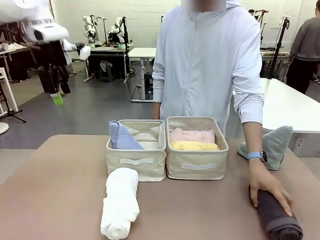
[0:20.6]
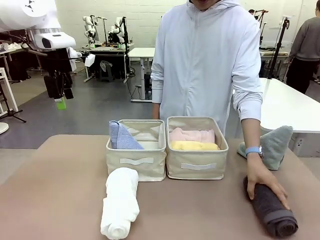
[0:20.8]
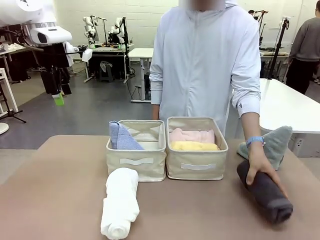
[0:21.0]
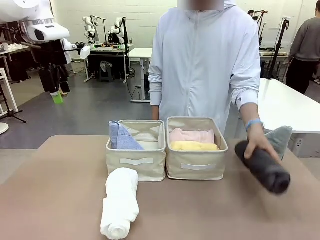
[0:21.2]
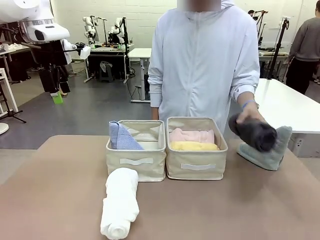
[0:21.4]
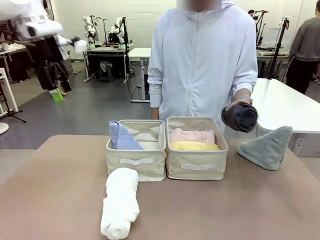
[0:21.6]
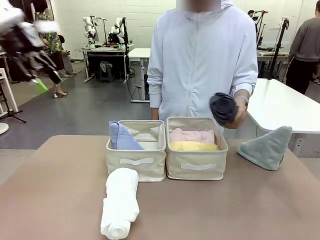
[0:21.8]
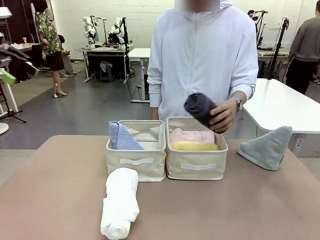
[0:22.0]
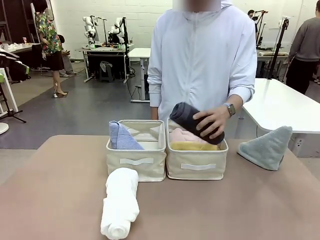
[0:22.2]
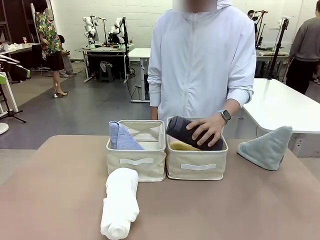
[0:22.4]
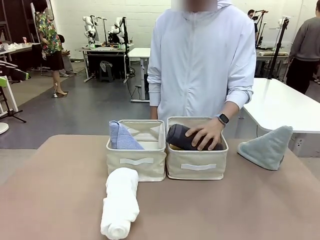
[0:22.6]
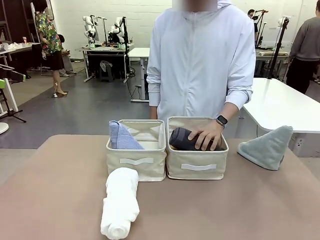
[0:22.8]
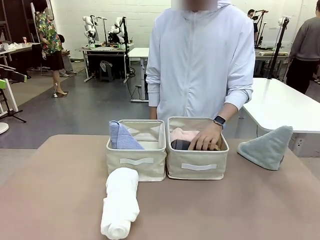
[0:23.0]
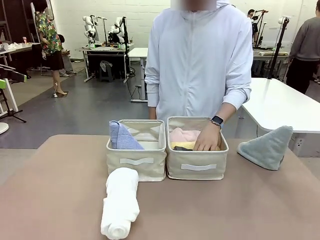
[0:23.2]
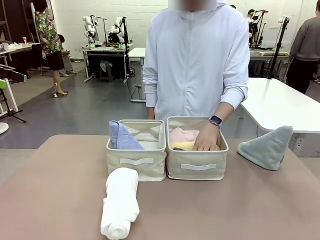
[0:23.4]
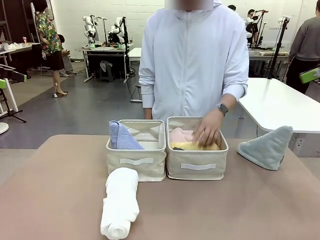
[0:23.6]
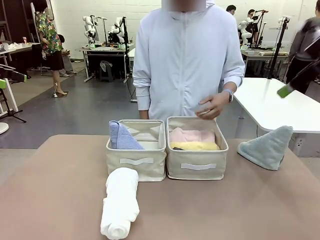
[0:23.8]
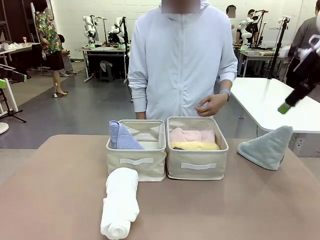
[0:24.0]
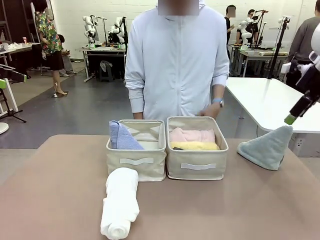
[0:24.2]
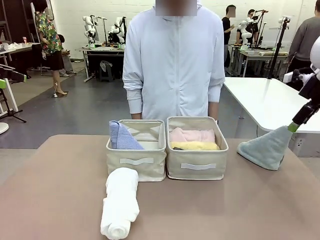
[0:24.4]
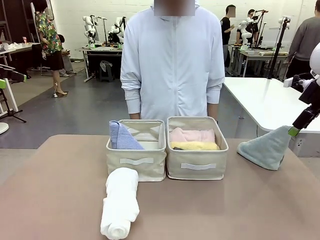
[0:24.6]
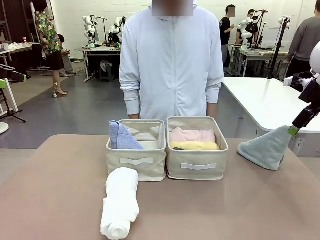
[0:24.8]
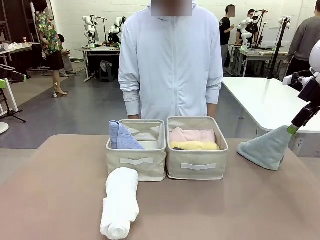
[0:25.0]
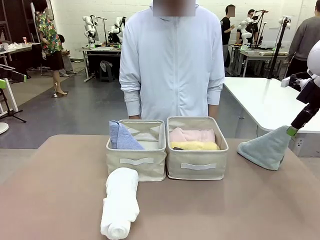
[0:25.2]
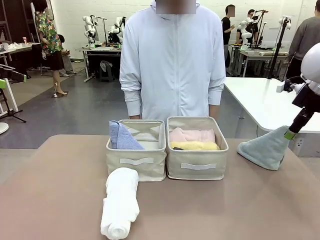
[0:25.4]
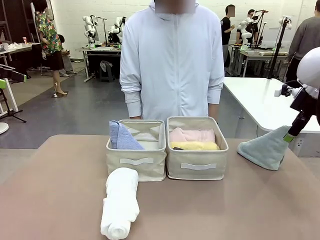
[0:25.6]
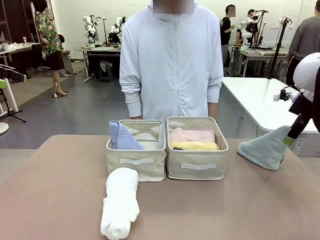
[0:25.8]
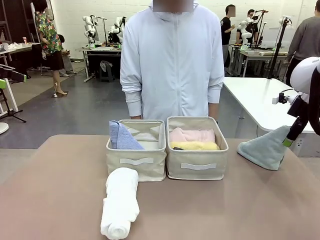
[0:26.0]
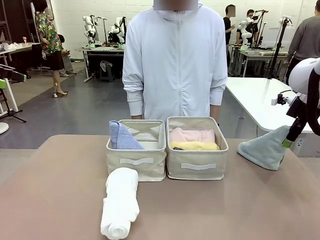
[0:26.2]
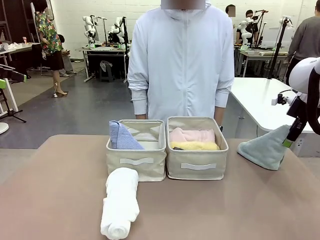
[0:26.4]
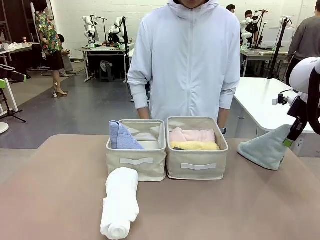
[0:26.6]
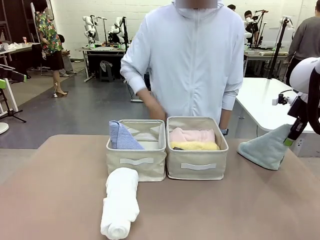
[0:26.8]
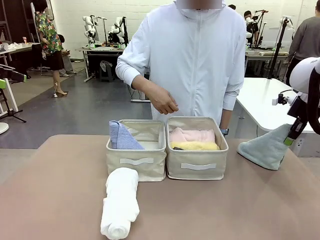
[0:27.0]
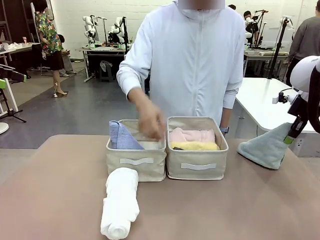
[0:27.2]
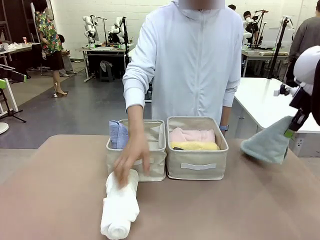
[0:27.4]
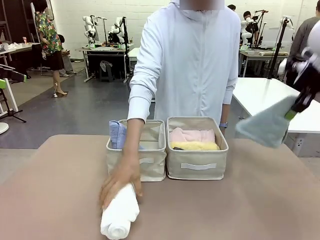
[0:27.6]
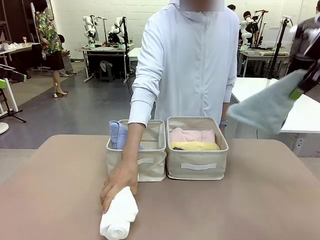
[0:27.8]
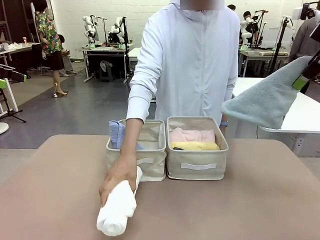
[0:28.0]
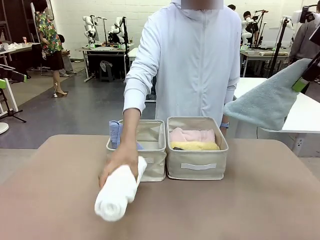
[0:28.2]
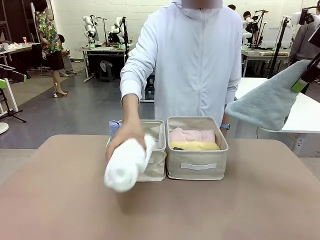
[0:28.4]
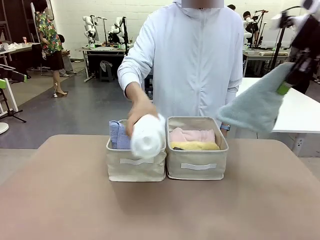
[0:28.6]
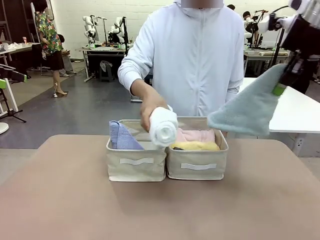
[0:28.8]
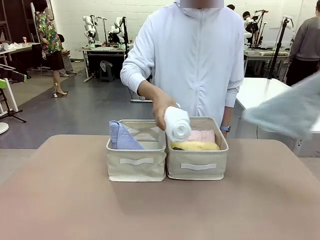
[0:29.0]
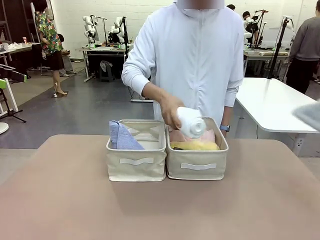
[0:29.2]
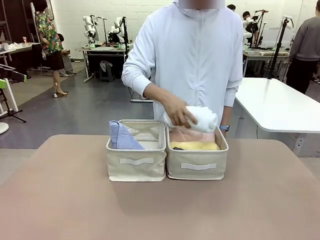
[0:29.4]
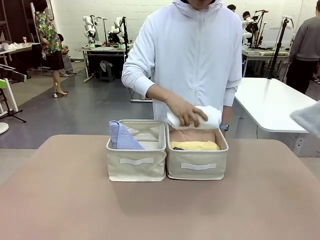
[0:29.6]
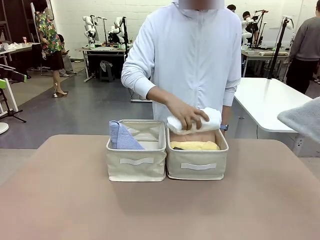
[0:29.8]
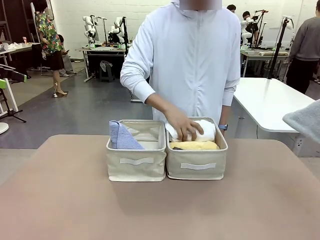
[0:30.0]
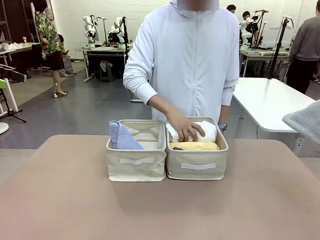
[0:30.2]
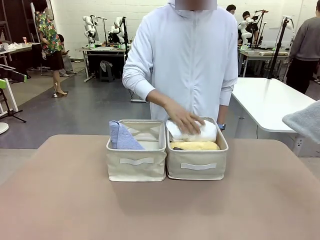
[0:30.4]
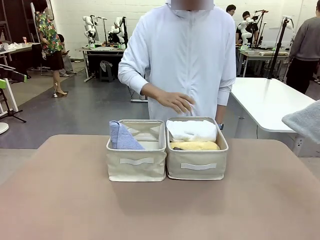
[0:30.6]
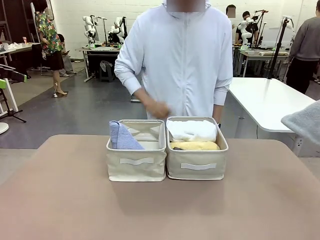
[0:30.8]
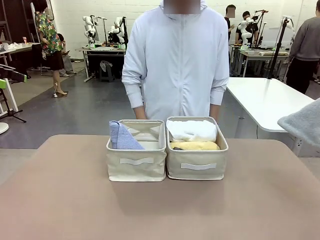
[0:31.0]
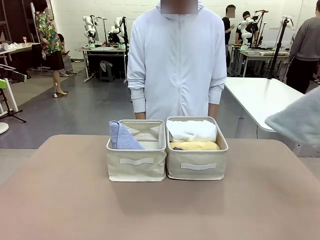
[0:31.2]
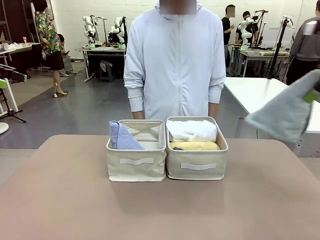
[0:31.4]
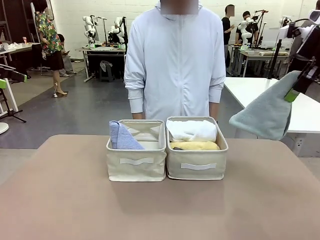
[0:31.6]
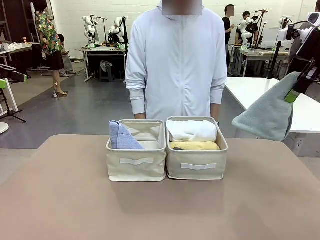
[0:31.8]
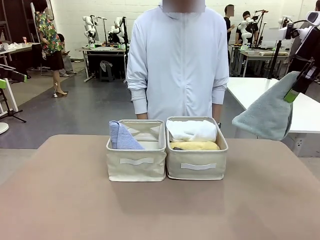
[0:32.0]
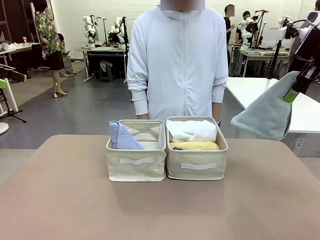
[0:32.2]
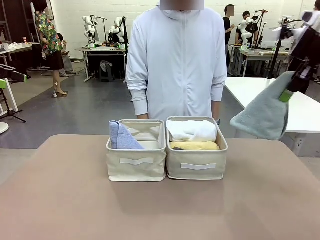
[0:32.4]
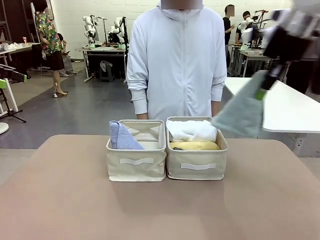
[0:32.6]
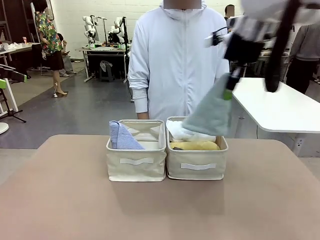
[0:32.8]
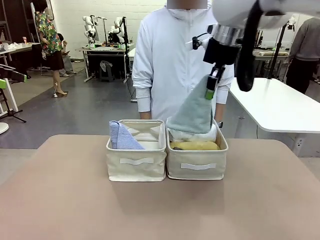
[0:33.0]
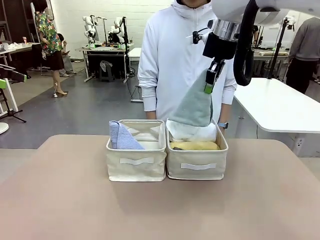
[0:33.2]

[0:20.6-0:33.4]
Task: Sort the towels based on their folding style.
Robot: Pick up another triangle-folded towel from the table and place it in the left Fabric basket.

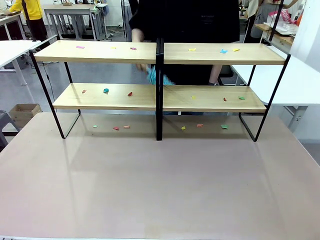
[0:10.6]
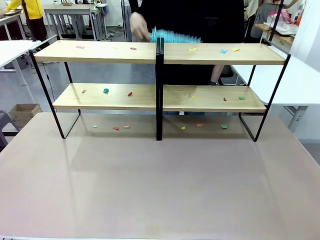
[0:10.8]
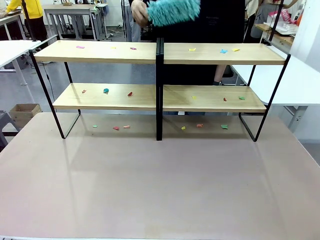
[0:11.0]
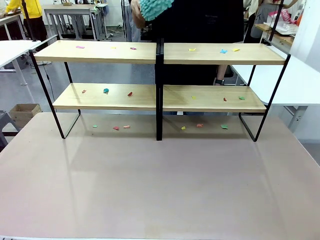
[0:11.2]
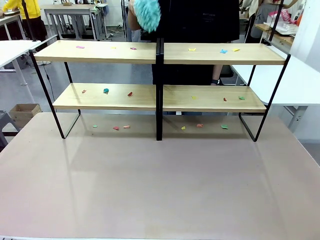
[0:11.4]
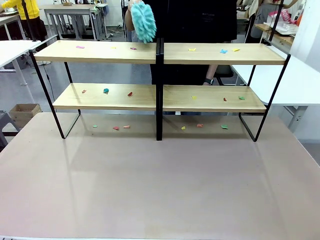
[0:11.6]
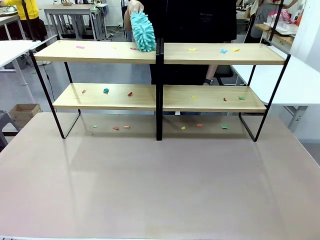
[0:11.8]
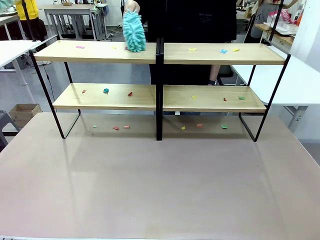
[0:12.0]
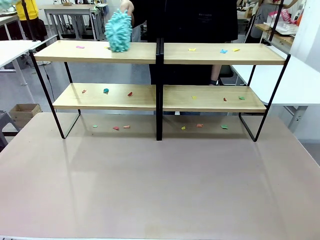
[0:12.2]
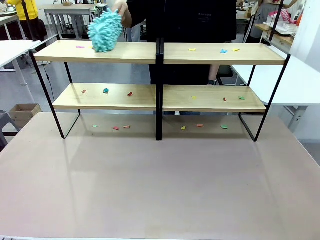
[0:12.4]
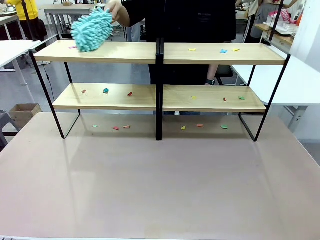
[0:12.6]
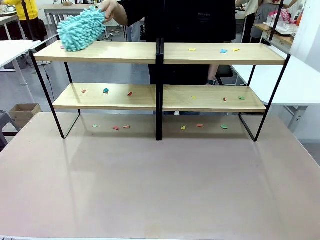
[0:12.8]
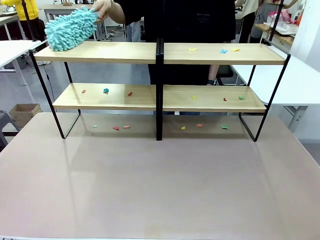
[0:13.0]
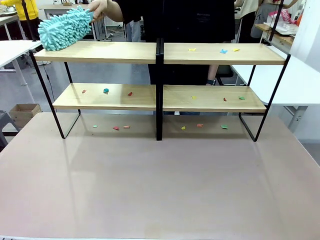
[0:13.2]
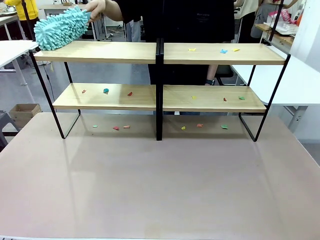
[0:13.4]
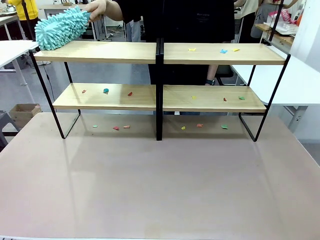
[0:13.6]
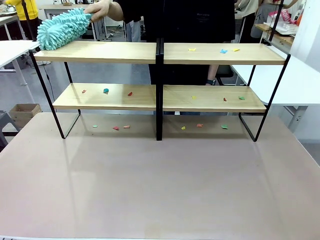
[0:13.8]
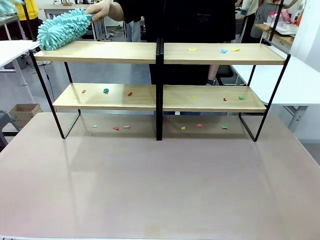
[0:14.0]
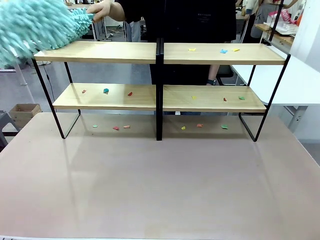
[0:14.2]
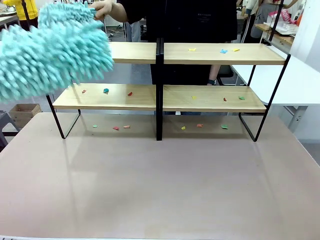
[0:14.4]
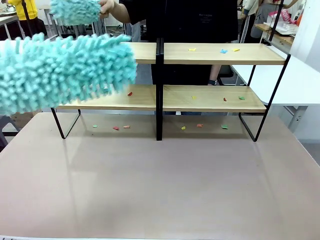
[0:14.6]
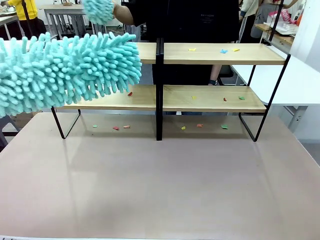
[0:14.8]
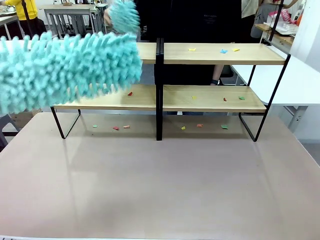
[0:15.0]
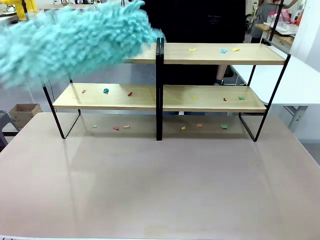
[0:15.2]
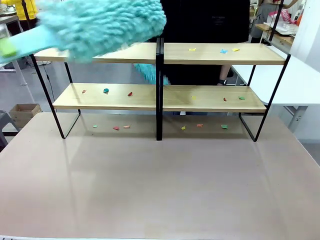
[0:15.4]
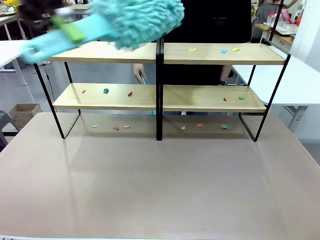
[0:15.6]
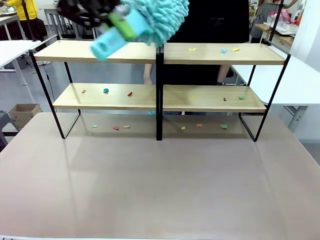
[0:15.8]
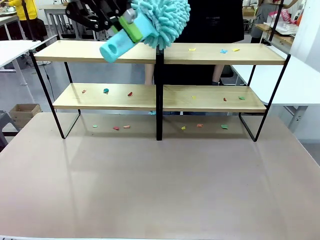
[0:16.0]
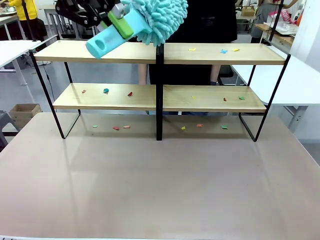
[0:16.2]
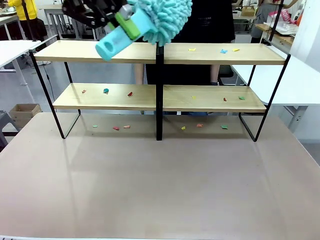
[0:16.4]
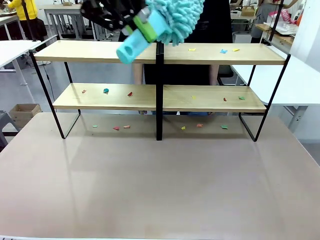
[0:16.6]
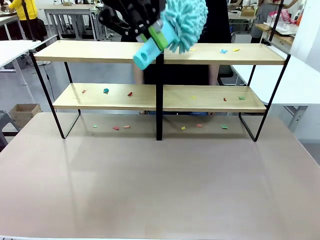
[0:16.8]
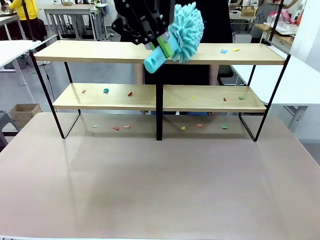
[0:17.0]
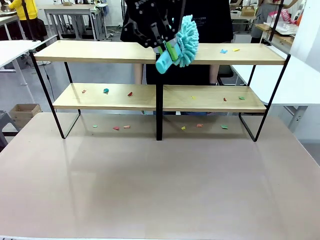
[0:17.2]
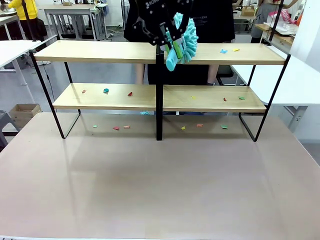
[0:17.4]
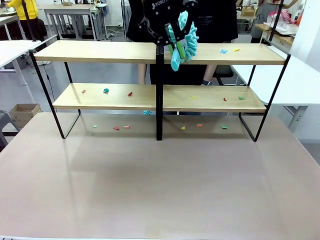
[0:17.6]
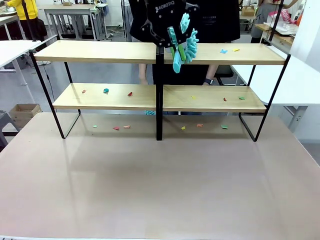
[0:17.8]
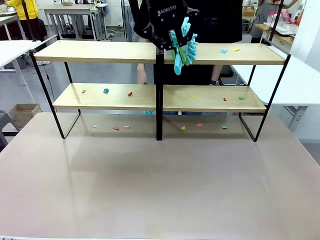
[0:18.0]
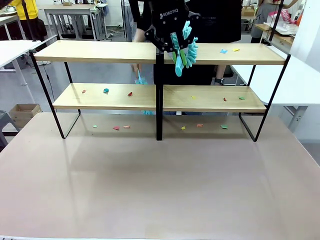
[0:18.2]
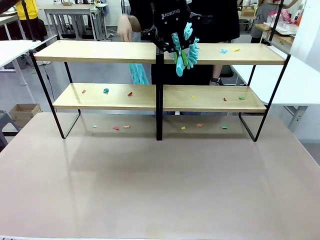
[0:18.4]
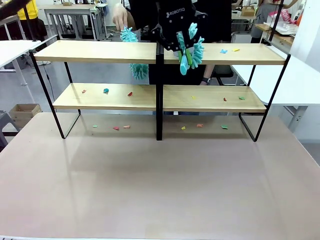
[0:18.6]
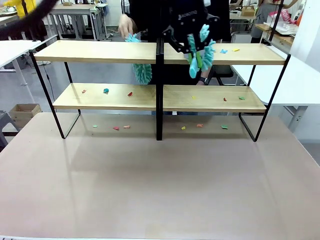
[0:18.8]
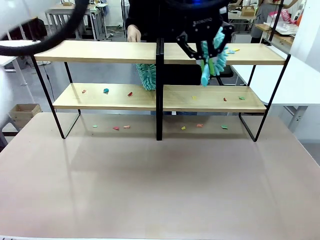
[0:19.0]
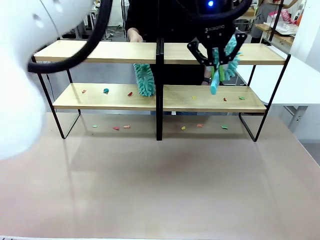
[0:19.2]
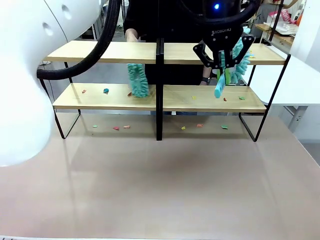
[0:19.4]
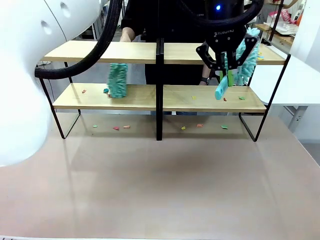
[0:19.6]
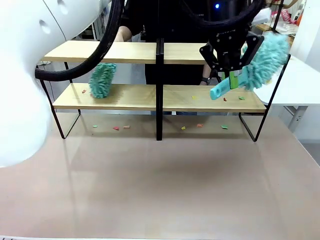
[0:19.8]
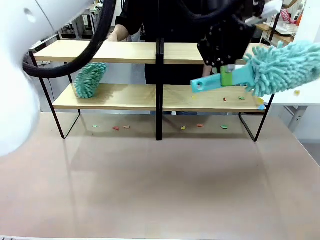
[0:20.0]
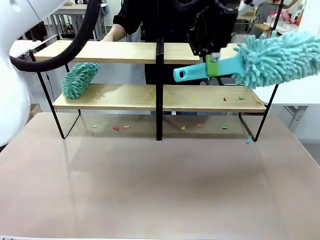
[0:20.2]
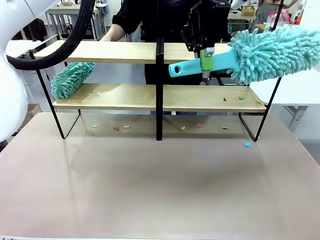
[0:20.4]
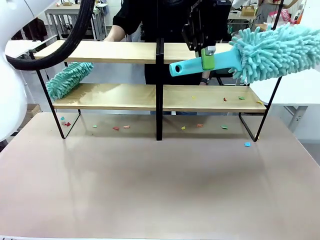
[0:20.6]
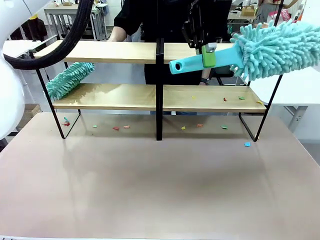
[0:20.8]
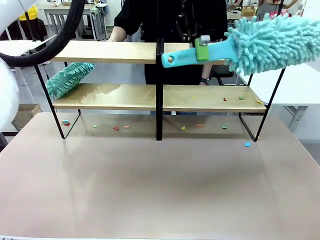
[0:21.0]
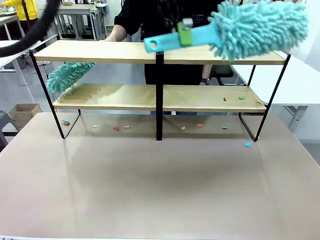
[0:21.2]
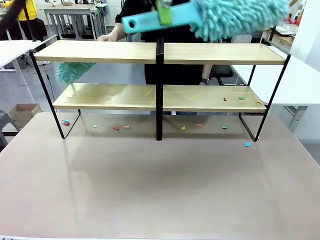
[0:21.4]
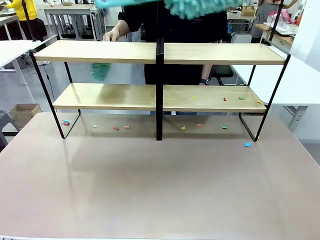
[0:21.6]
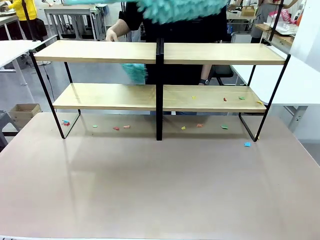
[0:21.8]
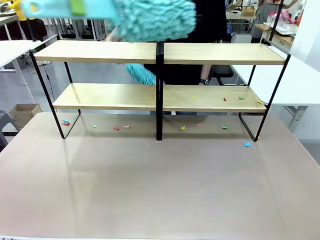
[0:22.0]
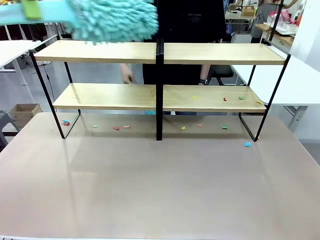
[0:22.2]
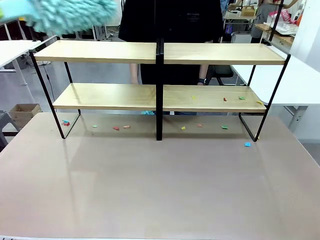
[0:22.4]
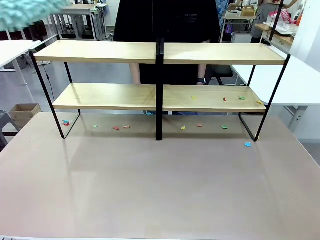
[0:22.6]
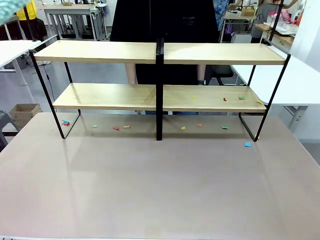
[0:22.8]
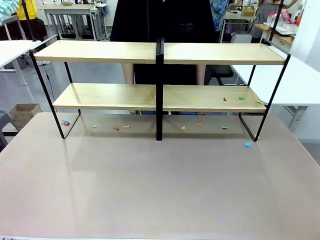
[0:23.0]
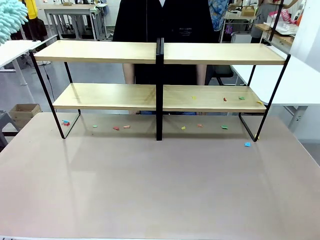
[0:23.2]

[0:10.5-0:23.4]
Task: Clean the shelves.
Robot: Clean a randomly selected level of the Shelf with the Duster.
